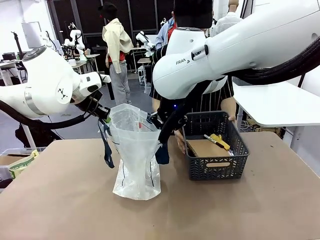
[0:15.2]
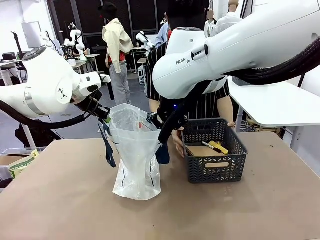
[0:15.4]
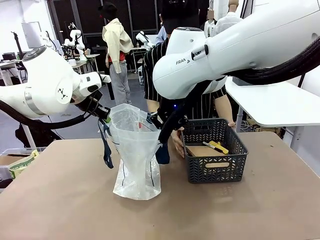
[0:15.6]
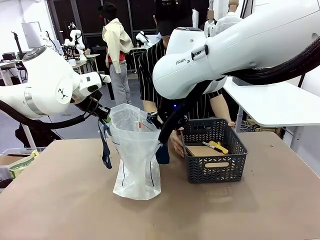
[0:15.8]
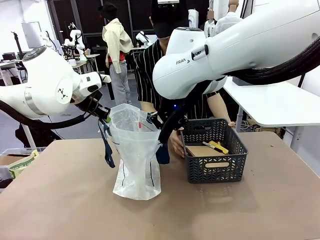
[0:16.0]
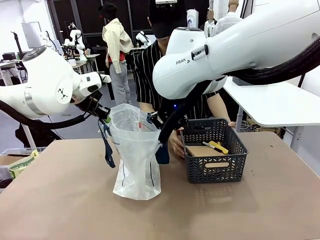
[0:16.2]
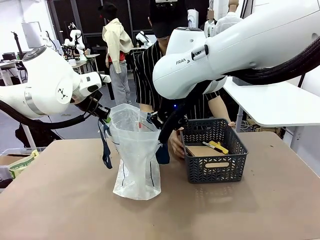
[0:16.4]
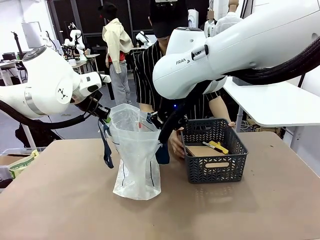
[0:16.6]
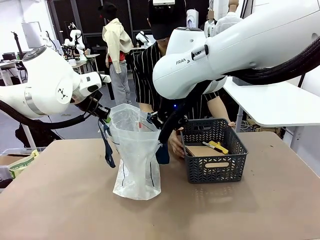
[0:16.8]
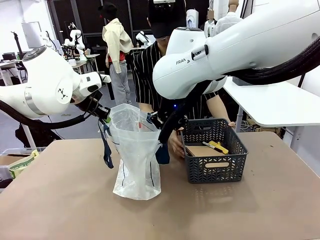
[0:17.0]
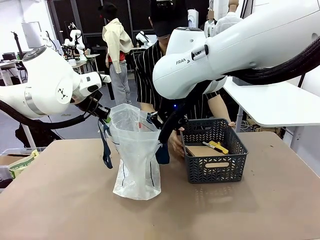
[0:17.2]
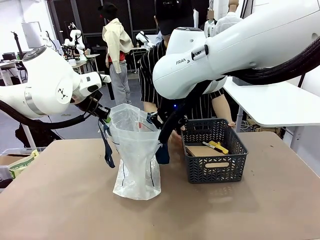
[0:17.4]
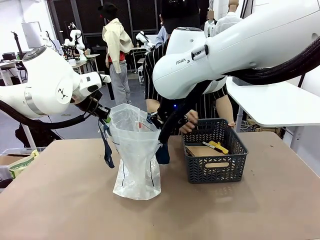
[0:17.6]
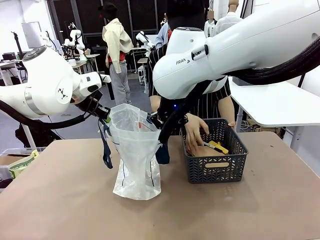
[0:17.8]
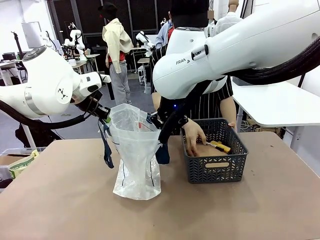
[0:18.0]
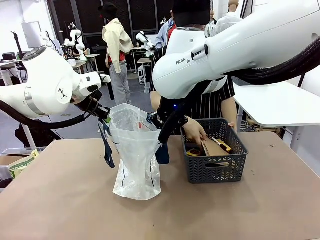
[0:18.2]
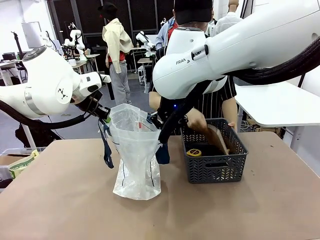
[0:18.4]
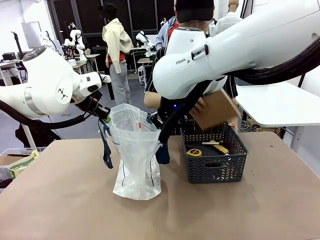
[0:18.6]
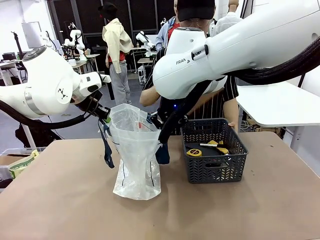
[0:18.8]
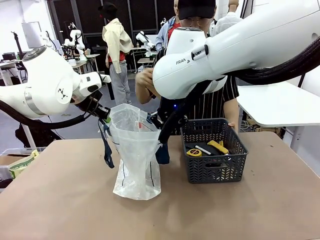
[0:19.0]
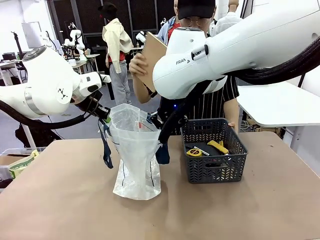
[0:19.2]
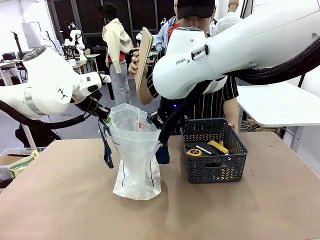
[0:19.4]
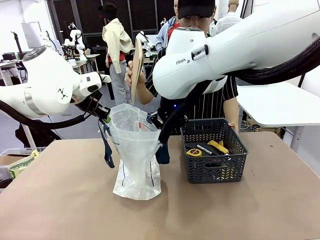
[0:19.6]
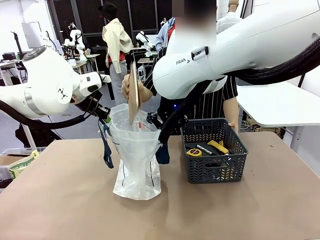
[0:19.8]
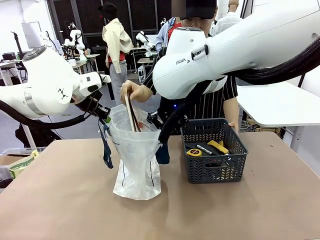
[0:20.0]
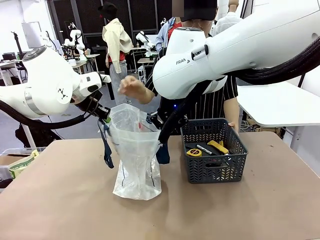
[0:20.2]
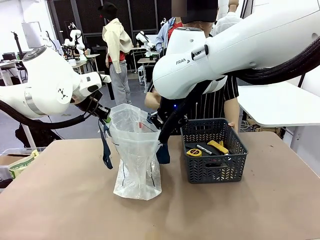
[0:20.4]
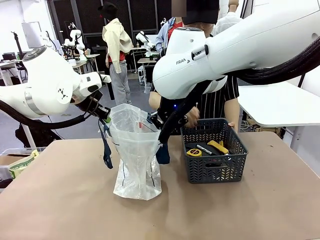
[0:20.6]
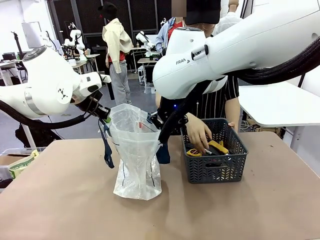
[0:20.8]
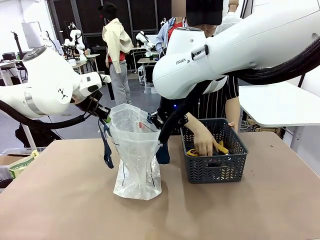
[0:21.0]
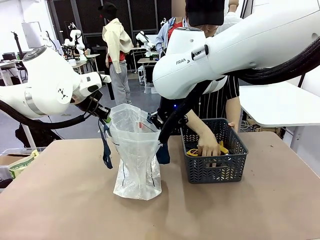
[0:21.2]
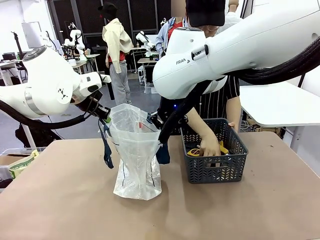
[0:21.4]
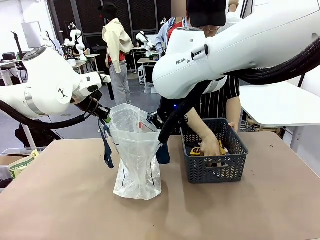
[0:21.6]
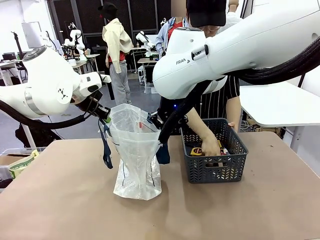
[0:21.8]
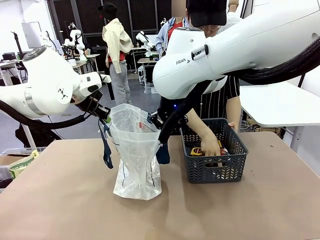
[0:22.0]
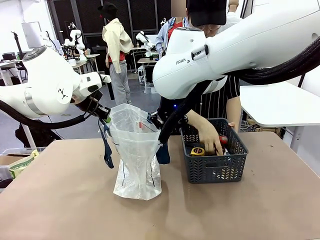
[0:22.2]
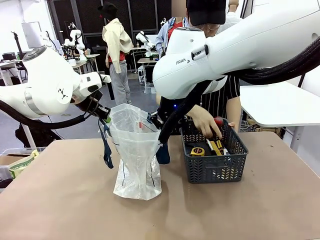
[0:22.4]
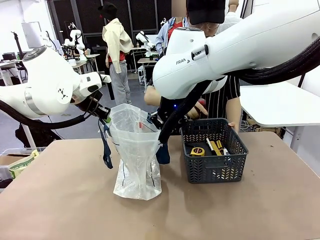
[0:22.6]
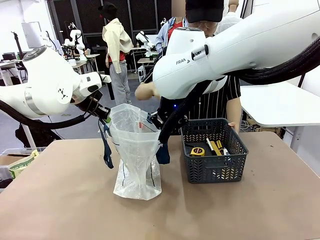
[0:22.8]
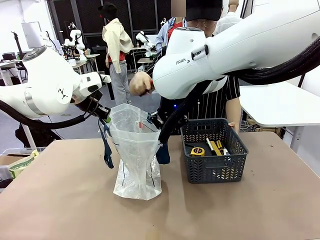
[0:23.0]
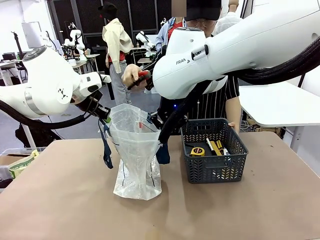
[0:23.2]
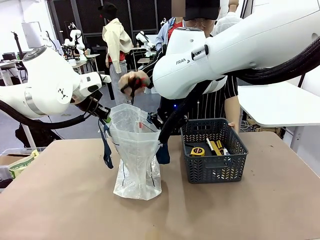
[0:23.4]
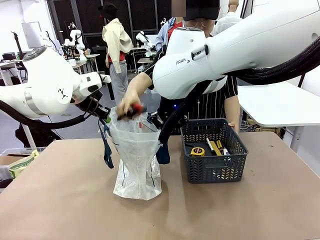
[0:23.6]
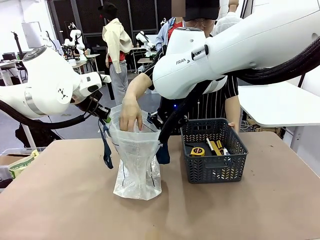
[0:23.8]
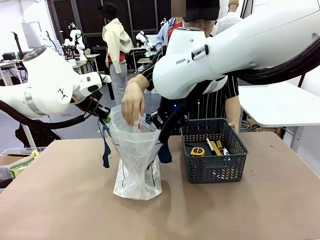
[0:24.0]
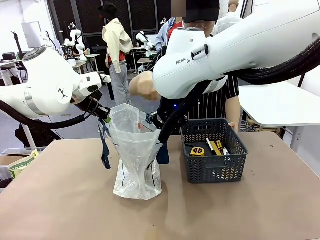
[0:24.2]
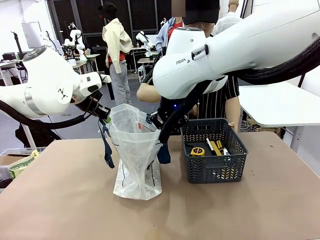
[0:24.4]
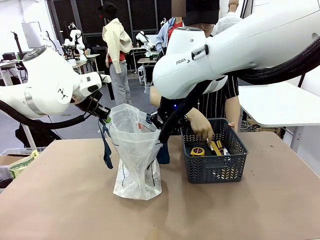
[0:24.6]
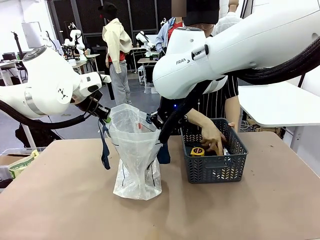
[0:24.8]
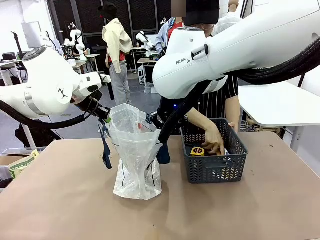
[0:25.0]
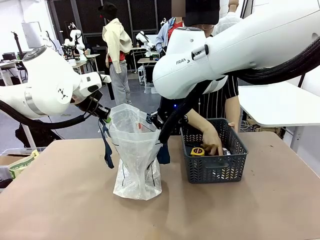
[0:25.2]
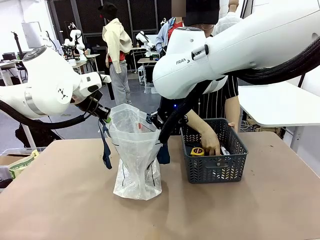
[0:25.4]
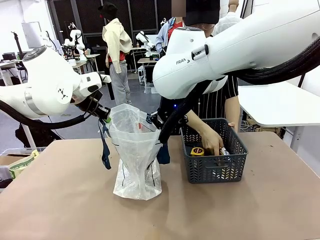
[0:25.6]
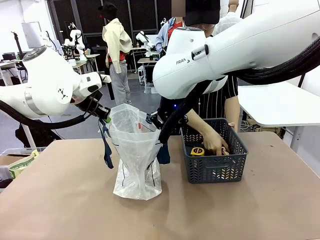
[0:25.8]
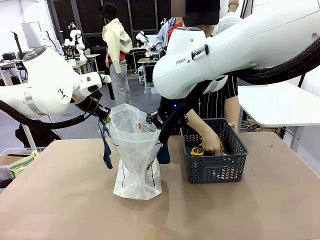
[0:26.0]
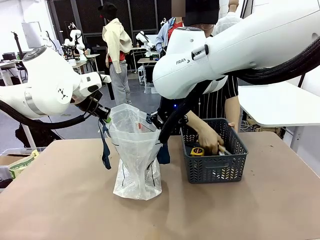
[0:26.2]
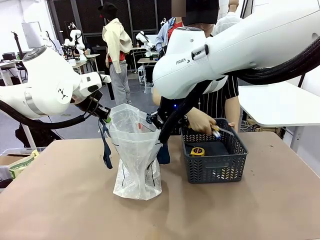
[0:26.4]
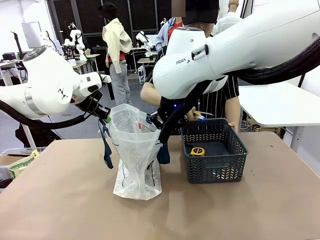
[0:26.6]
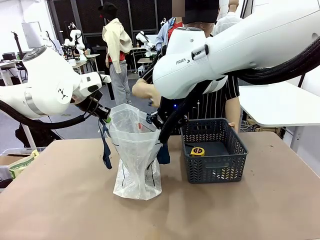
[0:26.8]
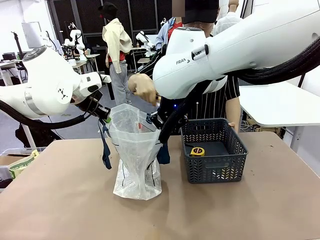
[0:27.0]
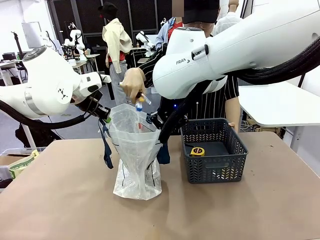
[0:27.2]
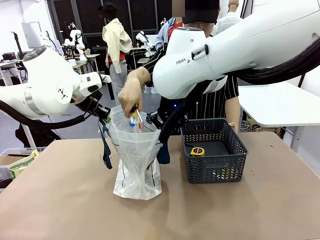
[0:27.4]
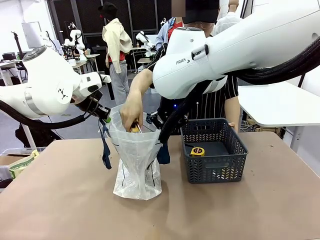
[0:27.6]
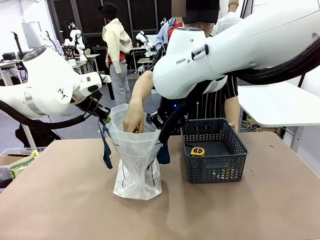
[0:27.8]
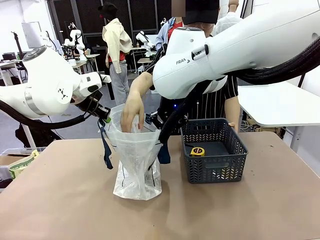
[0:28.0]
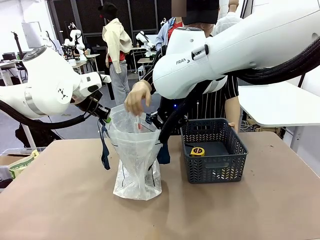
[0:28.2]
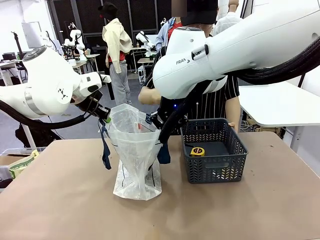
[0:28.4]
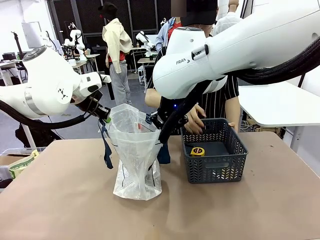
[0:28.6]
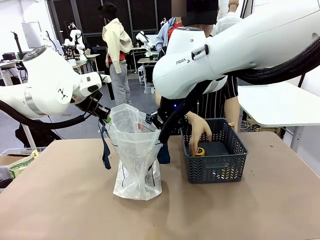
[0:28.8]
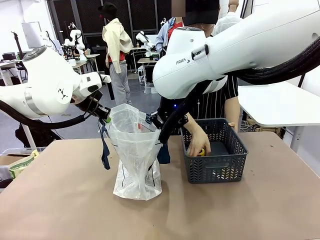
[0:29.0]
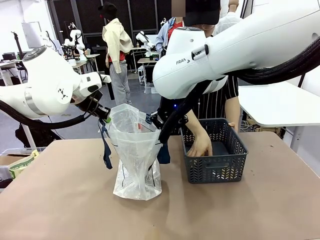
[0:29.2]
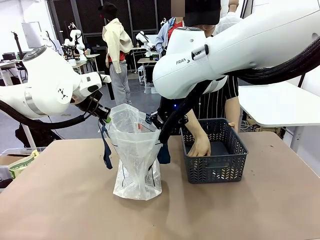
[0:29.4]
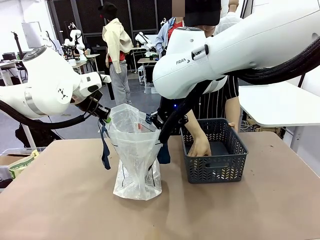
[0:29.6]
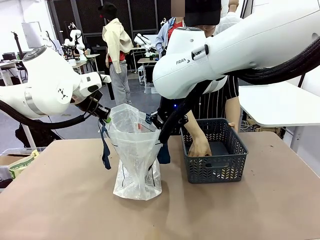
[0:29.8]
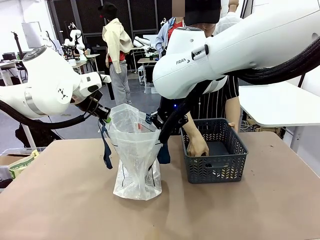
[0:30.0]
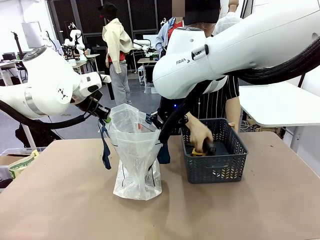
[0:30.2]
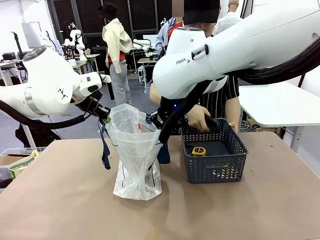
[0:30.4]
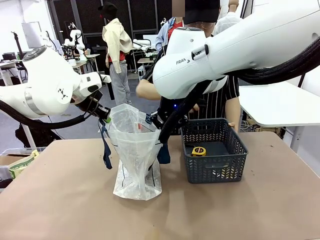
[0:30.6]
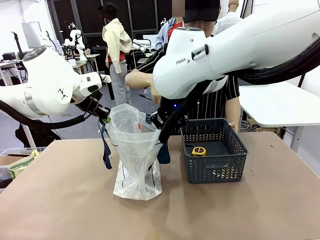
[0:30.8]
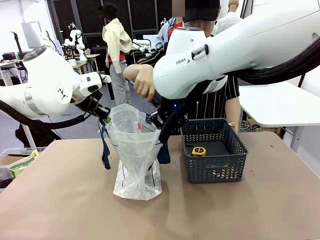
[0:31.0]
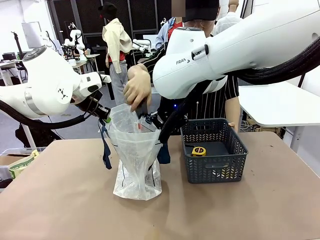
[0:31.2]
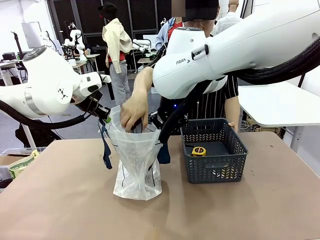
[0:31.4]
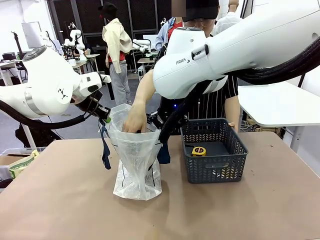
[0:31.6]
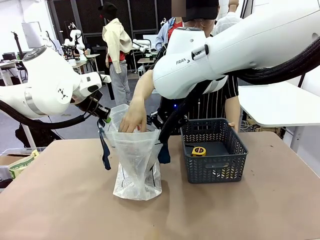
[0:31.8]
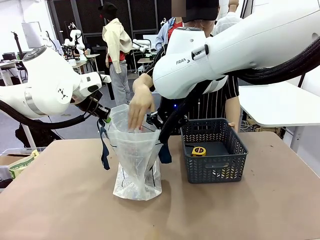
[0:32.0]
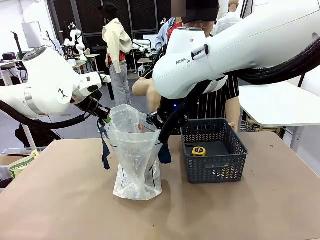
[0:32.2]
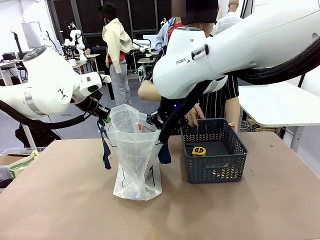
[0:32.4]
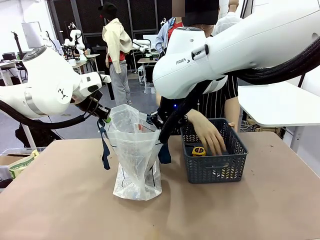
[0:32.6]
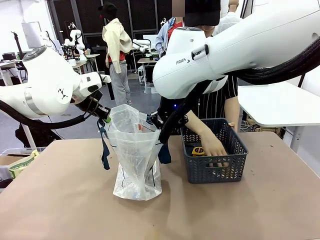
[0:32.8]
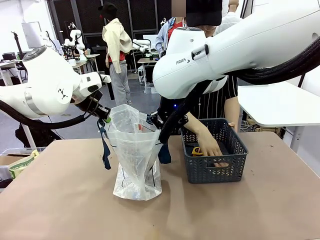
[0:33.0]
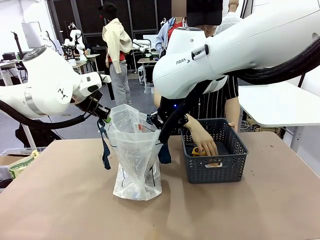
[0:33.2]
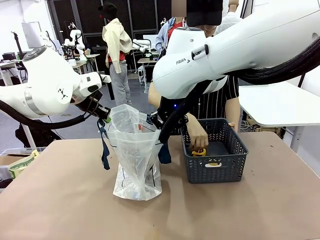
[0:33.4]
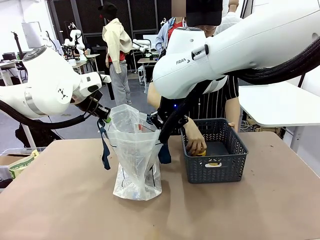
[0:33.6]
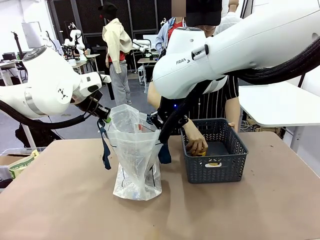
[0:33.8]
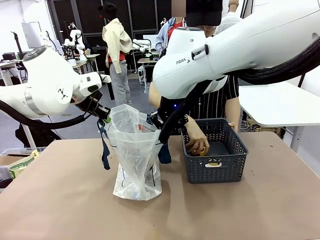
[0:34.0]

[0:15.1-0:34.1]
Task: Transfer purchased items from the store into the shopping bag.
Robot: Move the Reusable shopping bag to the right side of the table.
Person: Pick up the basket with the items out and place it on the right side of the human table.
